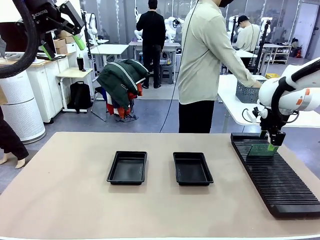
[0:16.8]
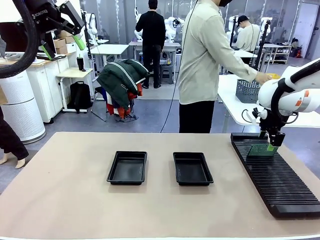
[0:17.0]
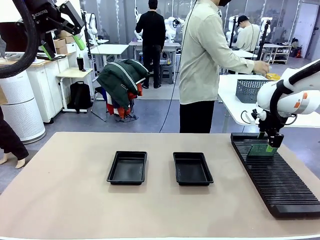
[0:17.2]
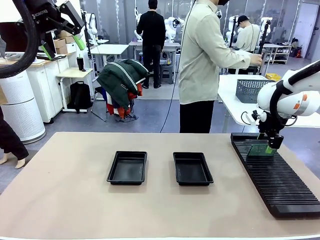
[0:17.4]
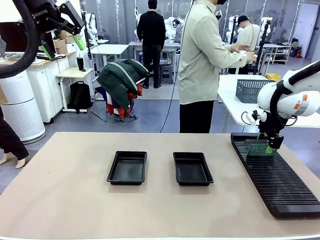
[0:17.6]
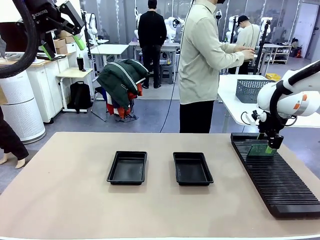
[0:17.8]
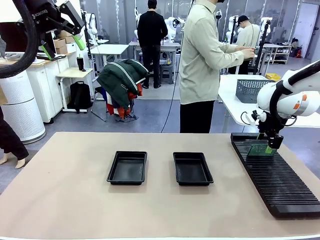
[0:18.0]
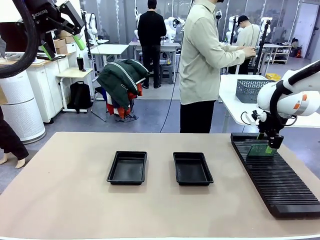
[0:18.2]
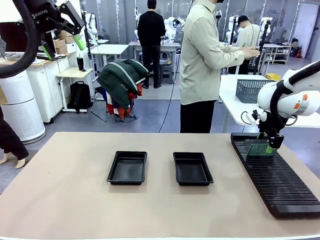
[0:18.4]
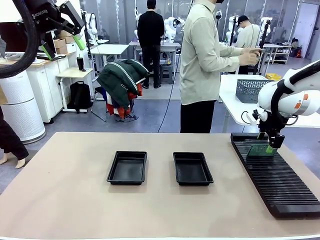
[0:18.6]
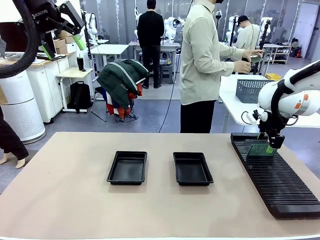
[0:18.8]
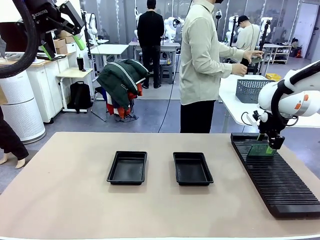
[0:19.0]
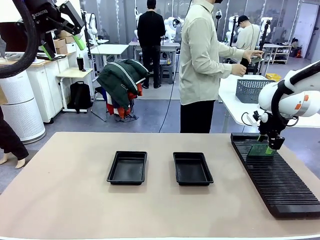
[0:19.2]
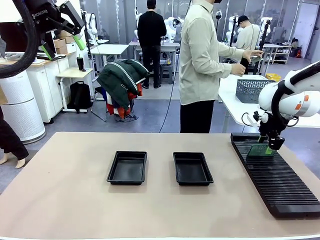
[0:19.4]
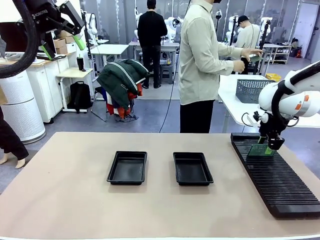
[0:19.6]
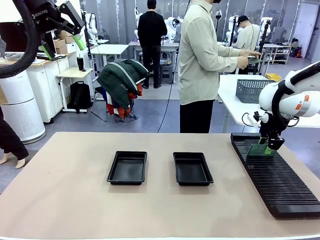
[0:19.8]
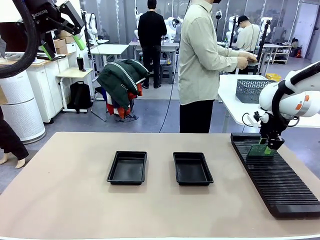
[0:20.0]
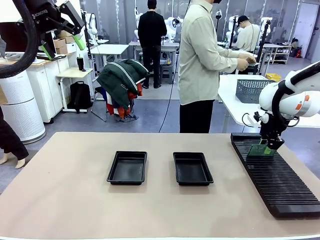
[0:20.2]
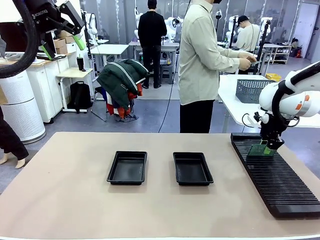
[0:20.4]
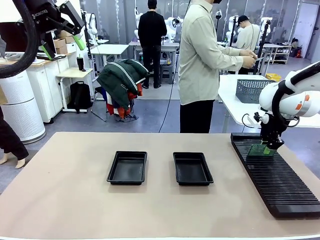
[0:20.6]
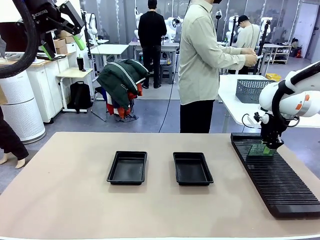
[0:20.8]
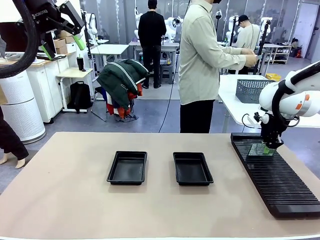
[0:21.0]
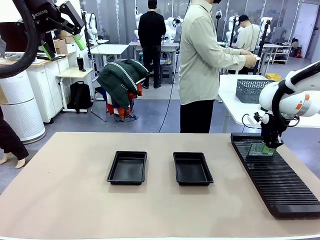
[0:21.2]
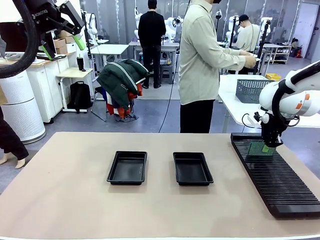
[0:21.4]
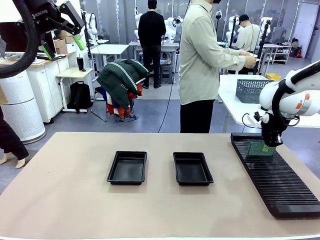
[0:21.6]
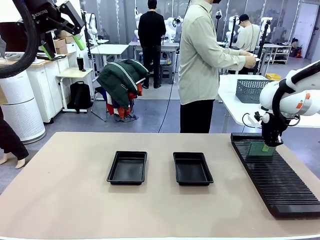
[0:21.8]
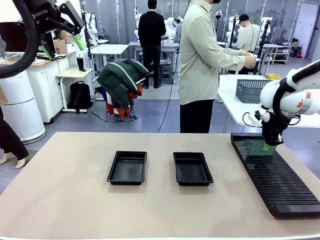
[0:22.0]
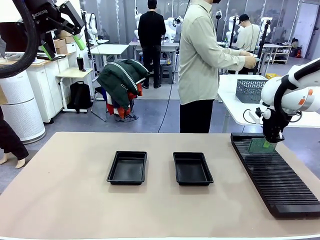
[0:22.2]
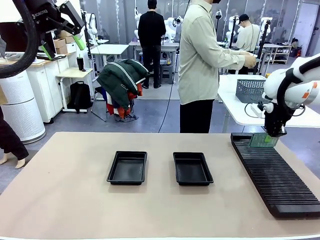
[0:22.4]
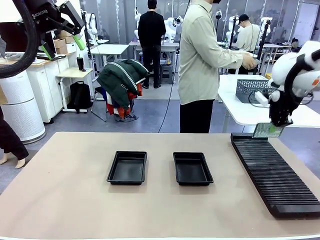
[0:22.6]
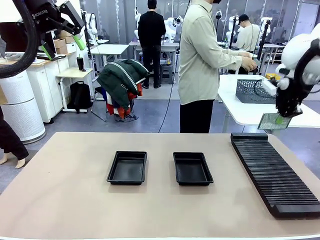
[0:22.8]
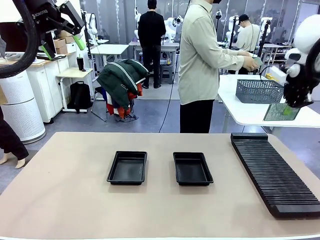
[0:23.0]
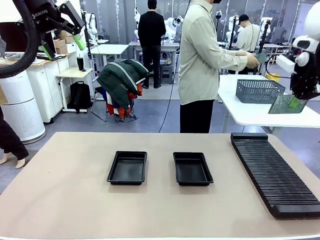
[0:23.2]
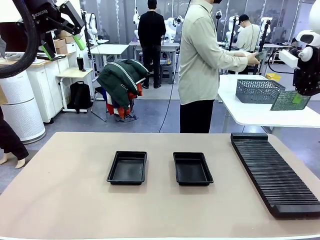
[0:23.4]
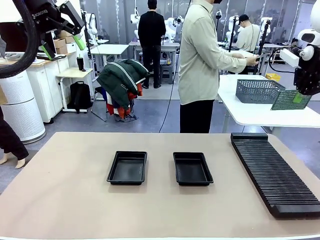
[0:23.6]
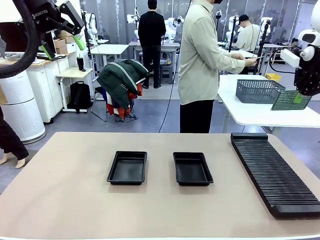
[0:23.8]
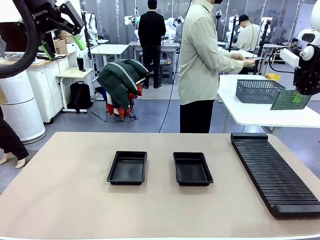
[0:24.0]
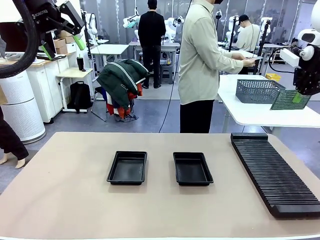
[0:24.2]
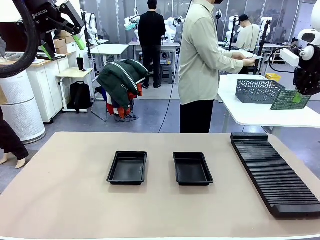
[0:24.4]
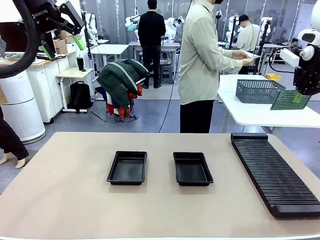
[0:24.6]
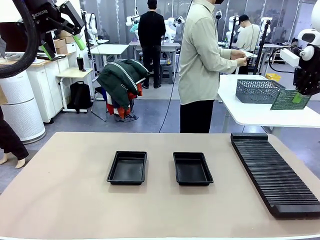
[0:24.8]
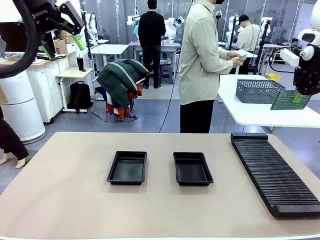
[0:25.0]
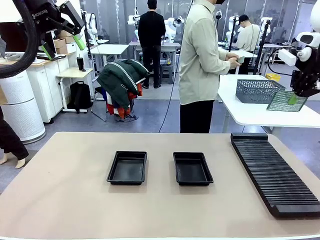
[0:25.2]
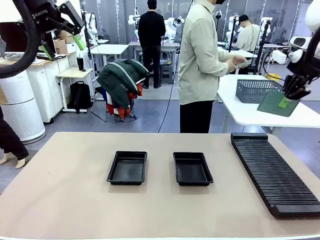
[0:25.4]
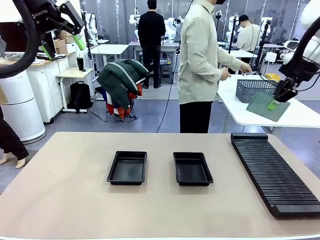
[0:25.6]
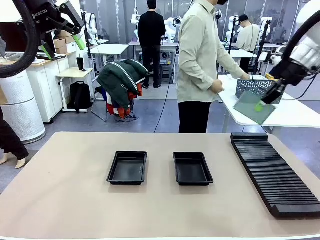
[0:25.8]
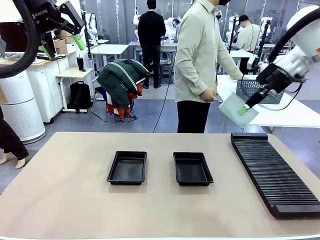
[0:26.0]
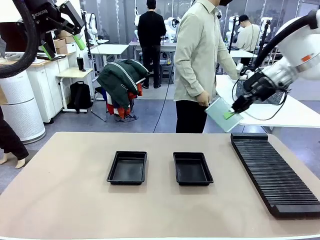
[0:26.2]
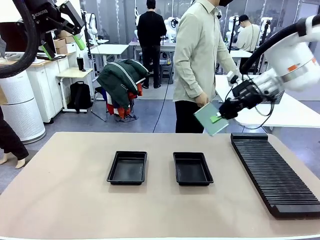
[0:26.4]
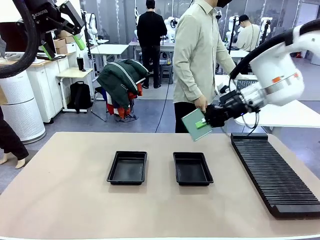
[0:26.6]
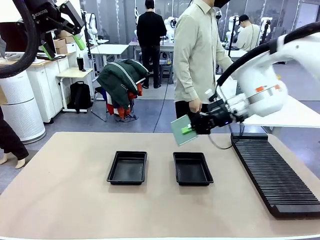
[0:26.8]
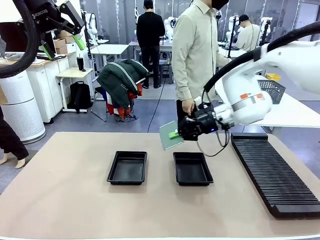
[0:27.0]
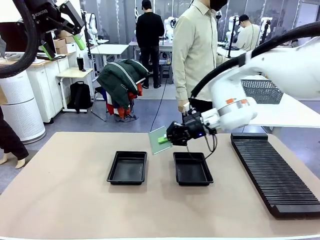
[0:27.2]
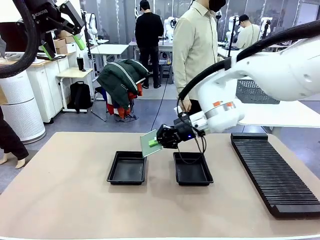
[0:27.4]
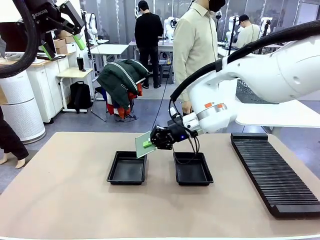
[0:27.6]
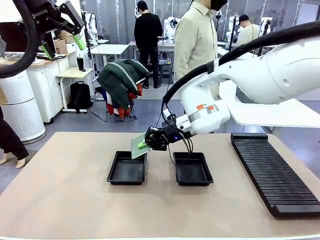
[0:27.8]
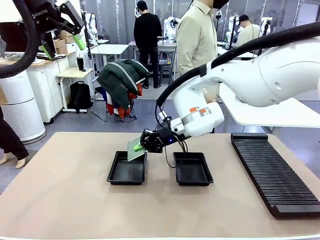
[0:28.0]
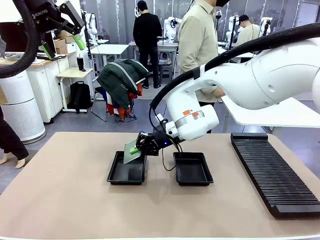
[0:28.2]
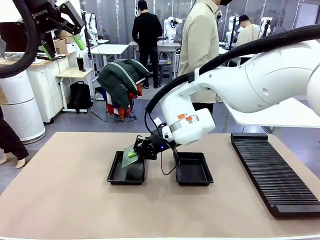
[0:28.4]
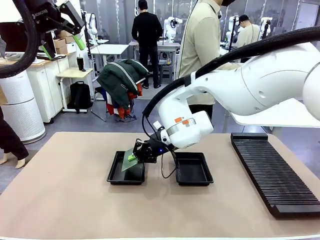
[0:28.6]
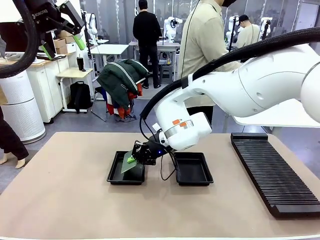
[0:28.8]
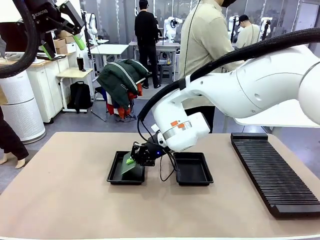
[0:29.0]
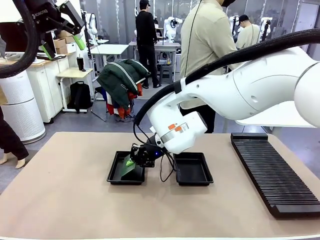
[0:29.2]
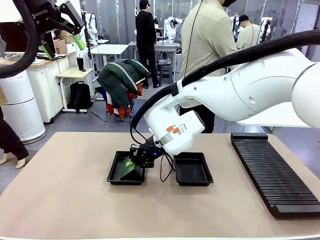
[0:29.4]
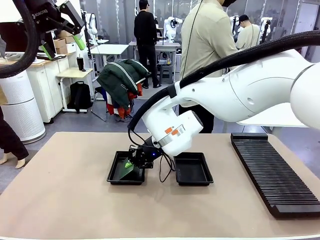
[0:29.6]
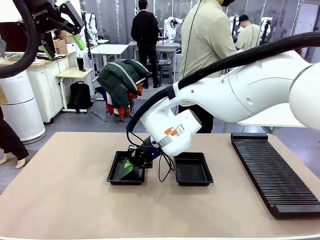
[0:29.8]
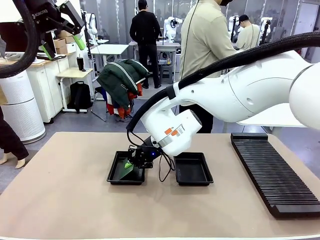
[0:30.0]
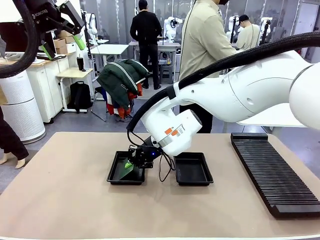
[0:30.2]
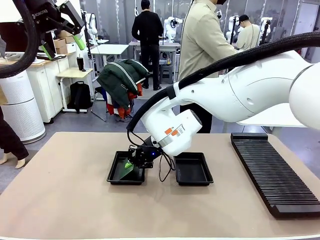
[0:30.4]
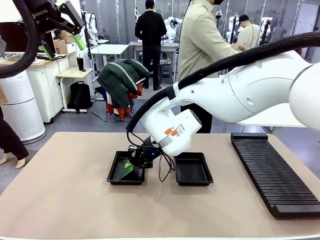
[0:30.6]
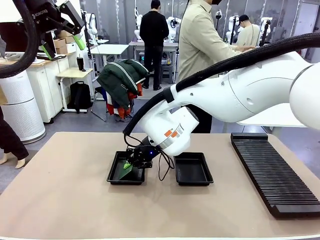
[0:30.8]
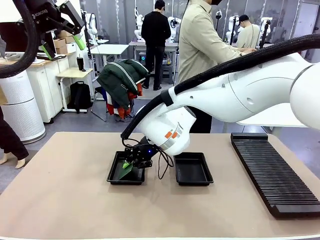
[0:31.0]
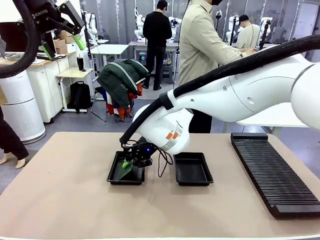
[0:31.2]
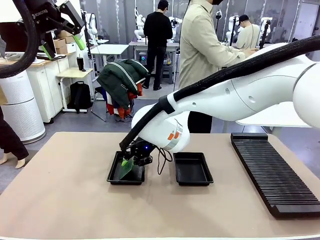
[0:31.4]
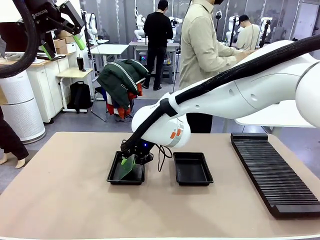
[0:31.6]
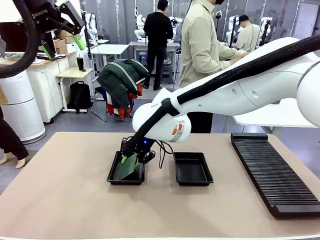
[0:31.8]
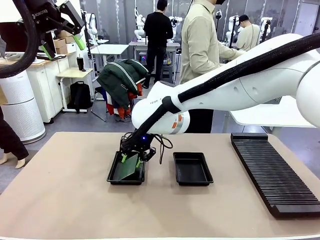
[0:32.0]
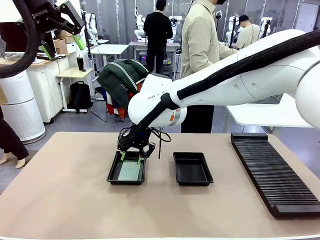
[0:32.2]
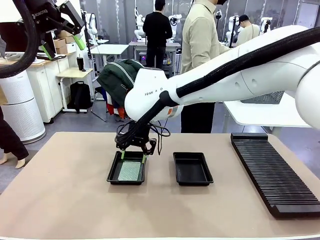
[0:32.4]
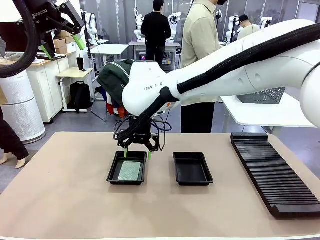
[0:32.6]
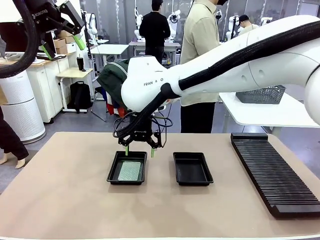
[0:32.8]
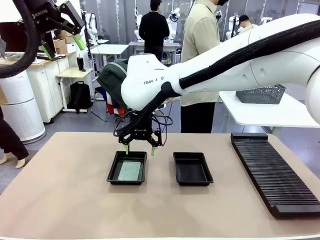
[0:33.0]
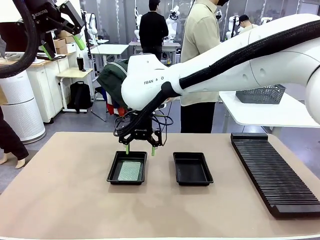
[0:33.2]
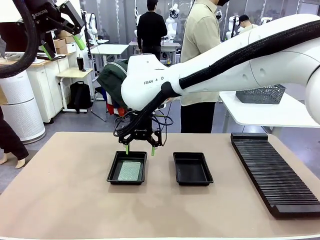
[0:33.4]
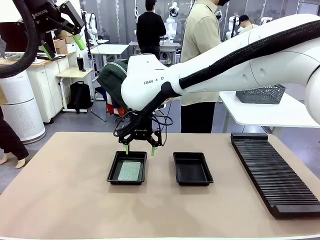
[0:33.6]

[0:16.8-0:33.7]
Task: Inspect and transfer BCBs to ESD trays.
Robot: Pick up the Blank PCB from the PCB Rack and place it in the left ESD tray.

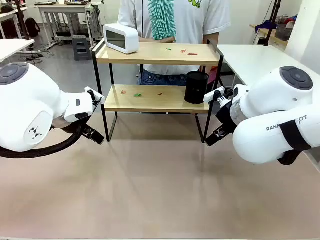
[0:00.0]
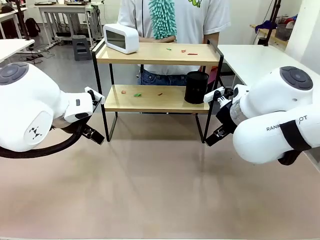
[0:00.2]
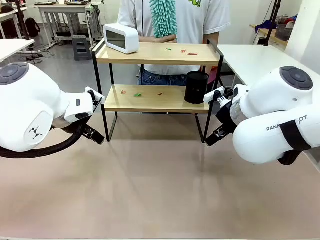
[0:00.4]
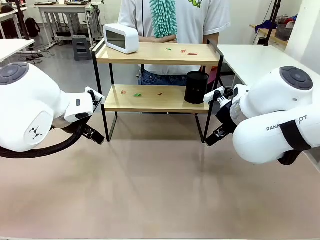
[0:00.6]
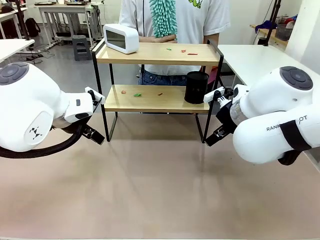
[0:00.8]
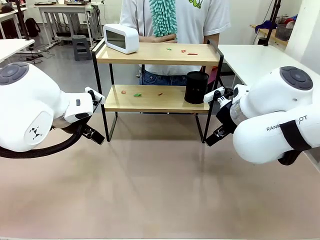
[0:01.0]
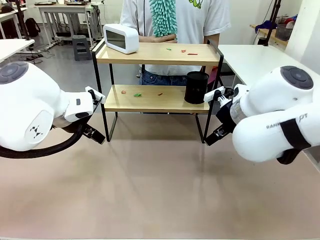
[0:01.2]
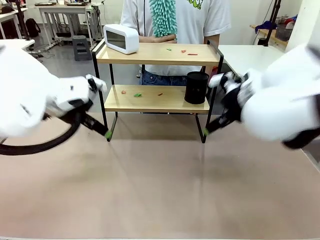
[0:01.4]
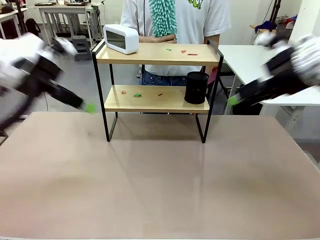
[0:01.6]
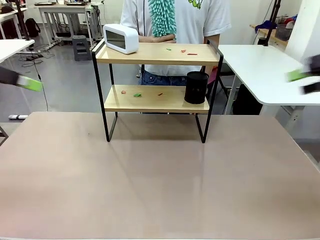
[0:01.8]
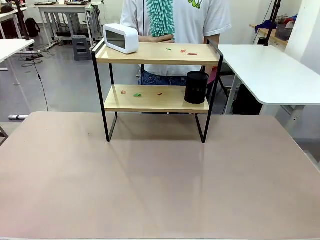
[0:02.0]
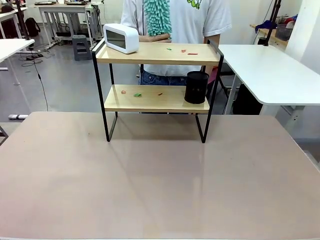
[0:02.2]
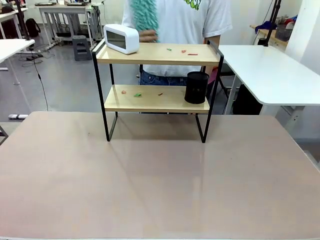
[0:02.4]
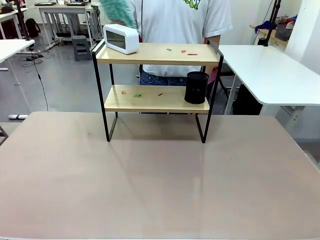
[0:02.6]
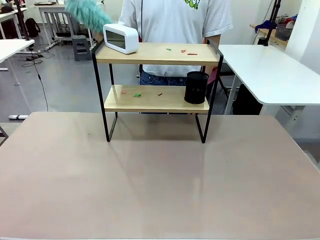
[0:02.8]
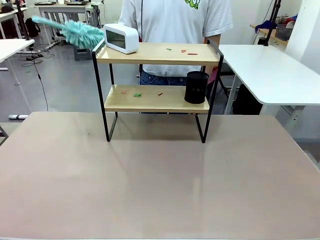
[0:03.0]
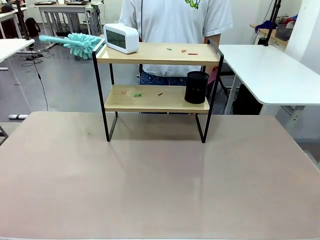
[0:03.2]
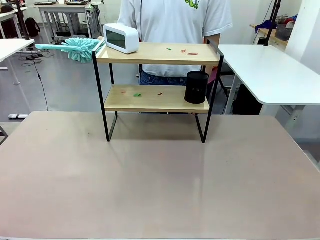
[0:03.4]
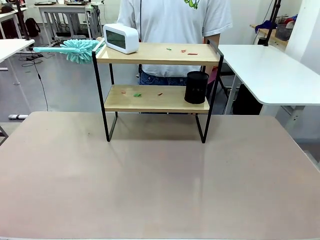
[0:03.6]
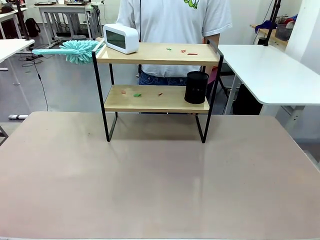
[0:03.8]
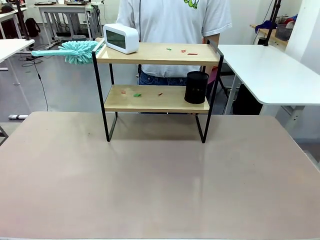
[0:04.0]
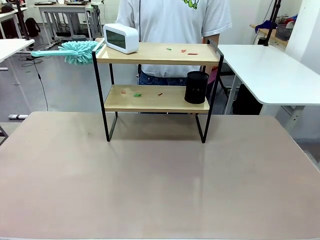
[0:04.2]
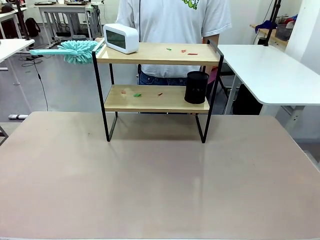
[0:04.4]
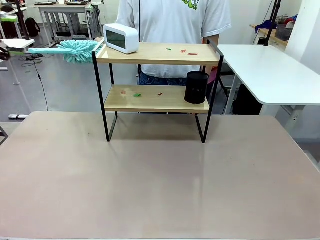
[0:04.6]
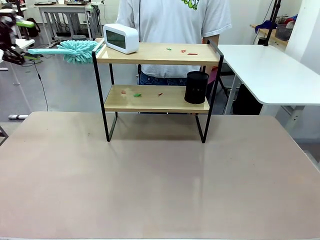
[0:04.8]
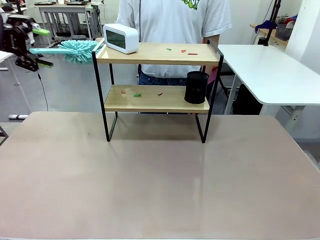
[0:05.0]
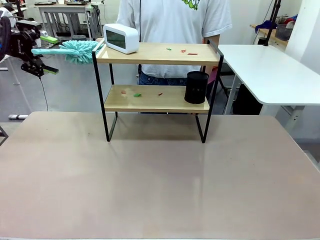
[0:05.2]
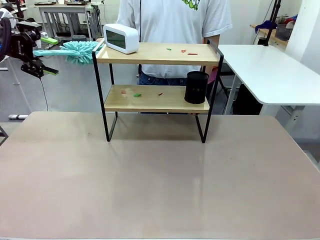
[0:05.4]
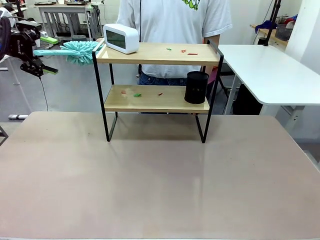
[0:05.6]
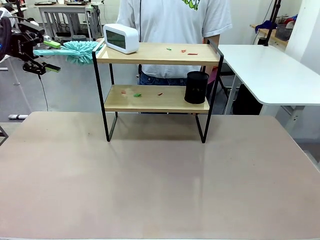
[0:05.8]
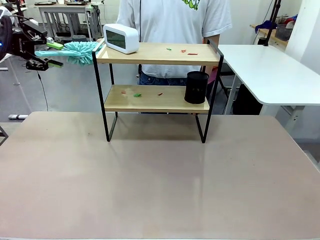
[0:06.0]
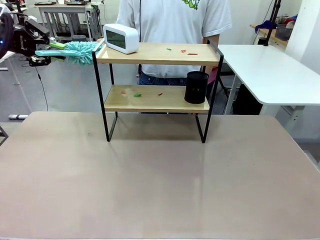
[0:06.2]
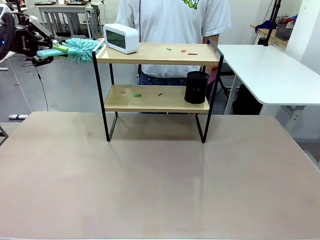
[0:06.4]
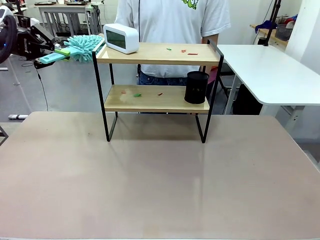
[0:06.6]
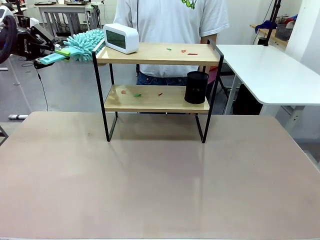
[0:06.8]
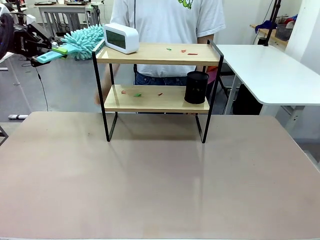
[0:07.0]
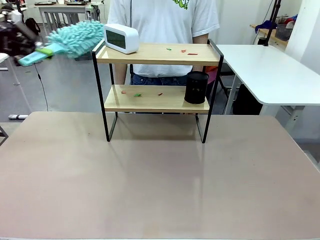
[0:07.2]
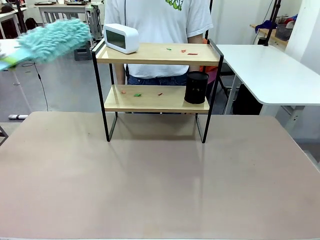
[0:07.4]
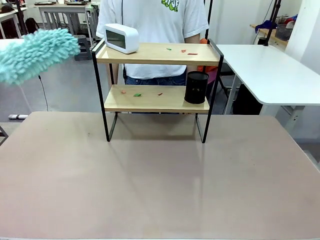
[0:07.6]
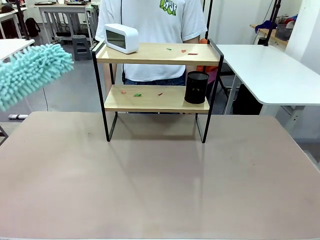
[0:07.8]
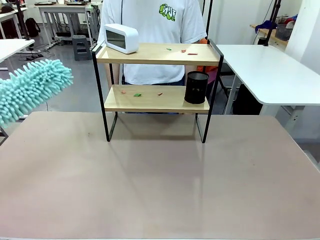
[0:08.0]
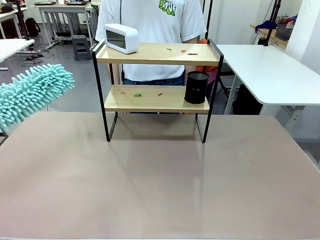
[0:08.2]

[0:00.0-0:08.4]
Task: Clean the shelf.
Robot: Pick up the Duster from the human.
Person: Hand the Duster to the robot.
